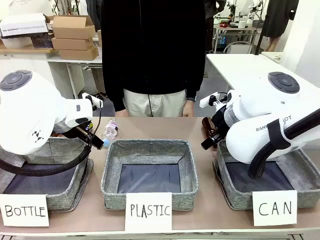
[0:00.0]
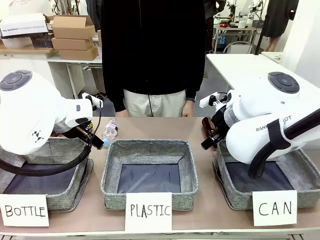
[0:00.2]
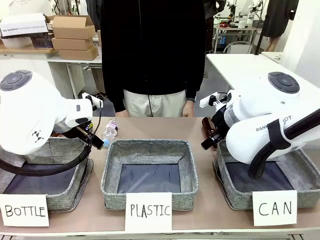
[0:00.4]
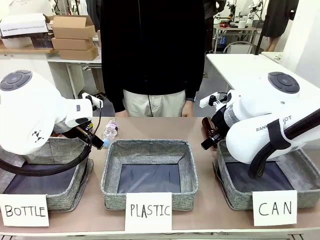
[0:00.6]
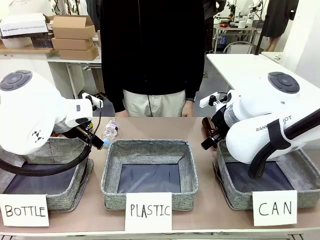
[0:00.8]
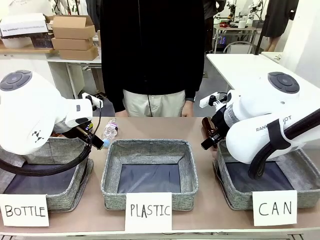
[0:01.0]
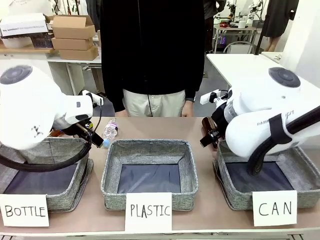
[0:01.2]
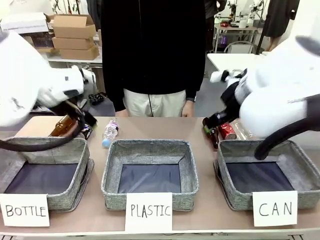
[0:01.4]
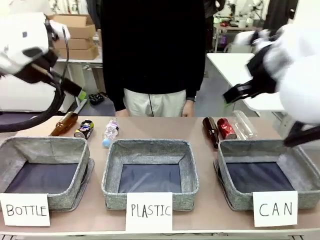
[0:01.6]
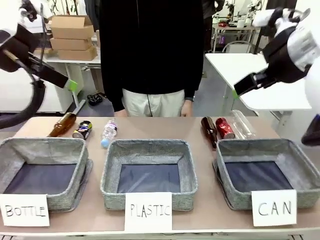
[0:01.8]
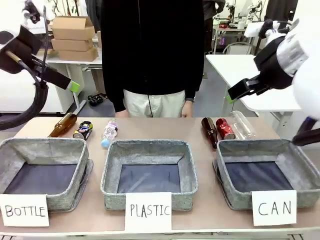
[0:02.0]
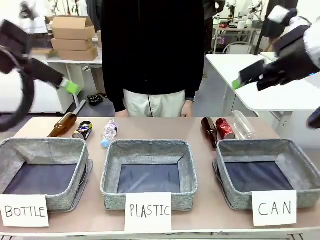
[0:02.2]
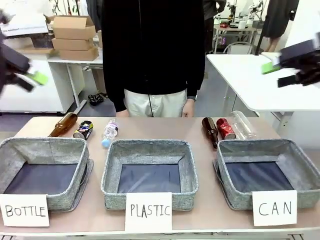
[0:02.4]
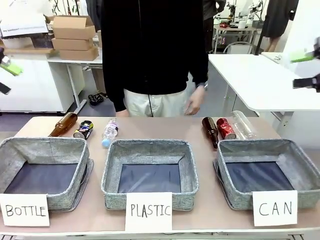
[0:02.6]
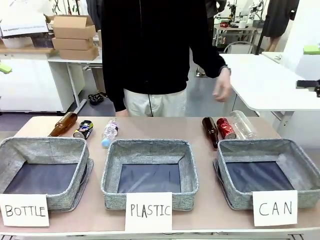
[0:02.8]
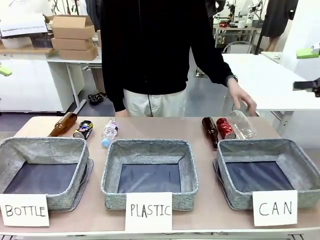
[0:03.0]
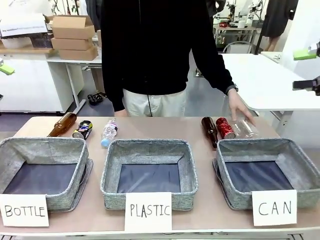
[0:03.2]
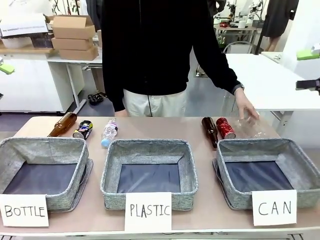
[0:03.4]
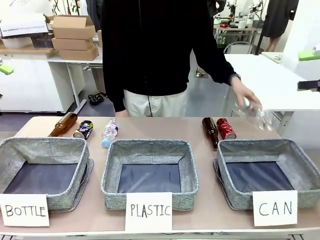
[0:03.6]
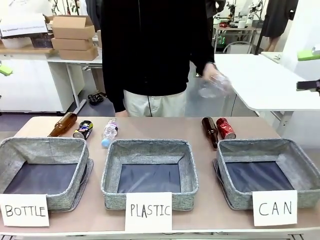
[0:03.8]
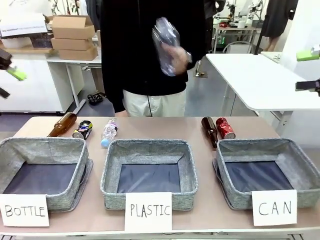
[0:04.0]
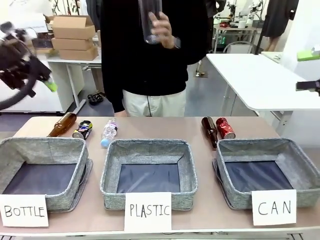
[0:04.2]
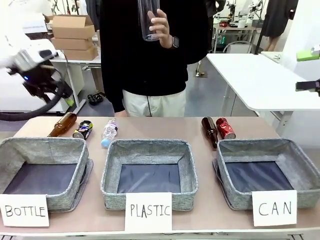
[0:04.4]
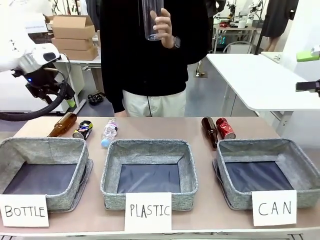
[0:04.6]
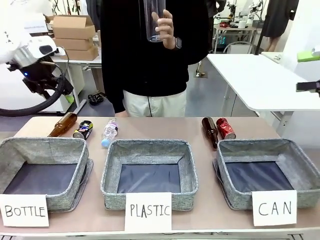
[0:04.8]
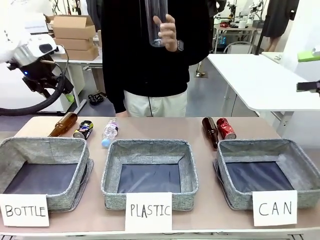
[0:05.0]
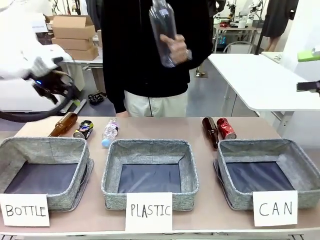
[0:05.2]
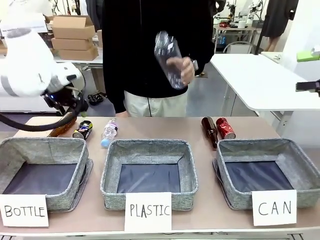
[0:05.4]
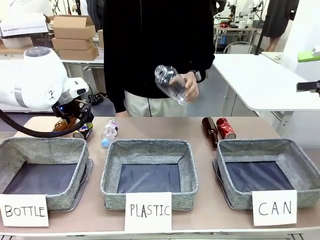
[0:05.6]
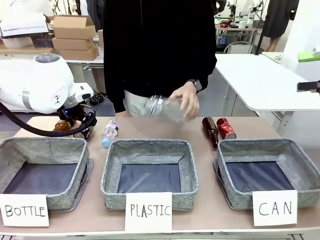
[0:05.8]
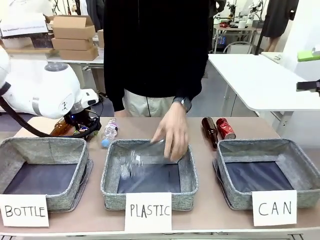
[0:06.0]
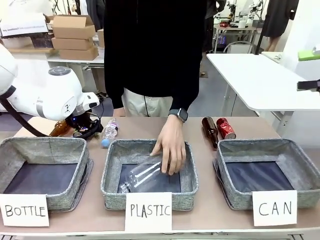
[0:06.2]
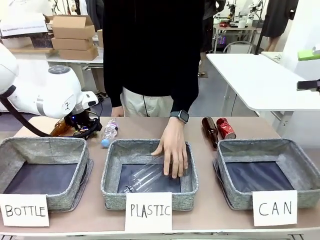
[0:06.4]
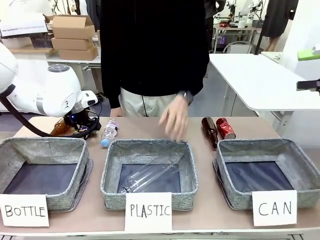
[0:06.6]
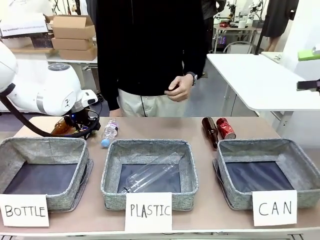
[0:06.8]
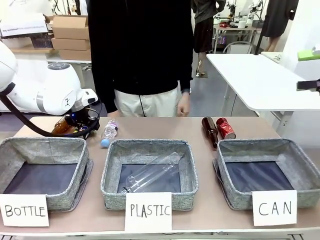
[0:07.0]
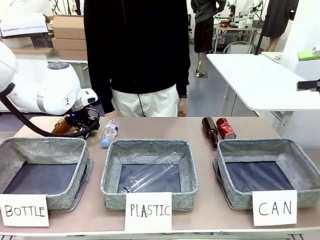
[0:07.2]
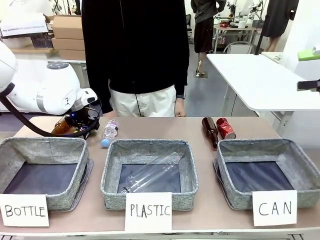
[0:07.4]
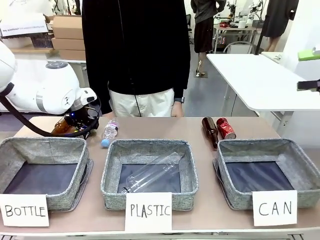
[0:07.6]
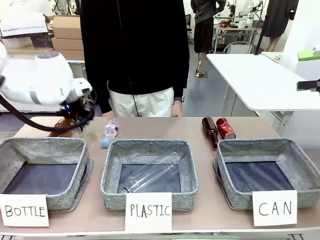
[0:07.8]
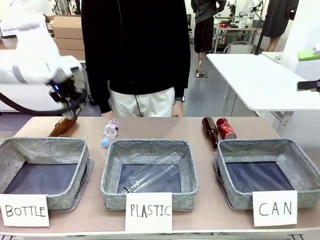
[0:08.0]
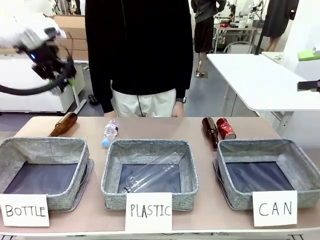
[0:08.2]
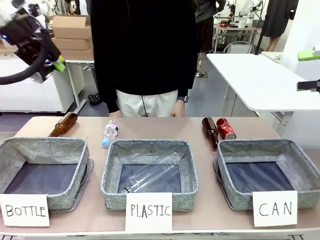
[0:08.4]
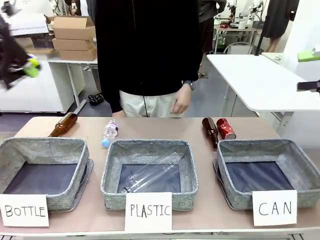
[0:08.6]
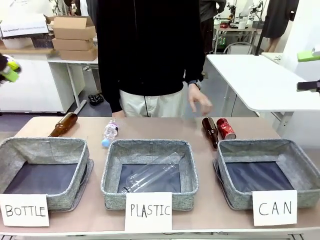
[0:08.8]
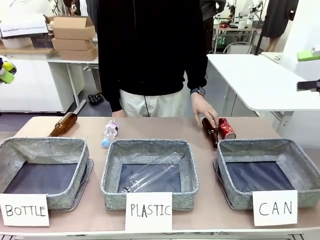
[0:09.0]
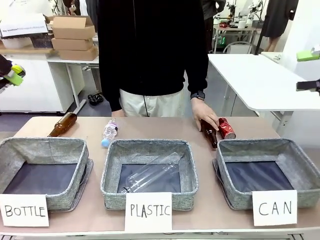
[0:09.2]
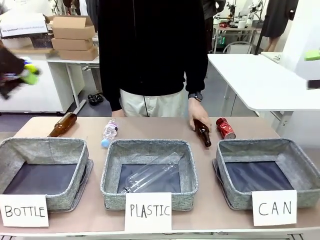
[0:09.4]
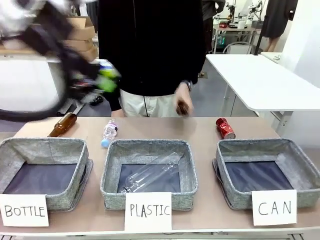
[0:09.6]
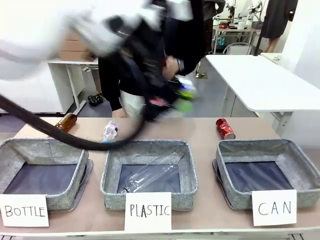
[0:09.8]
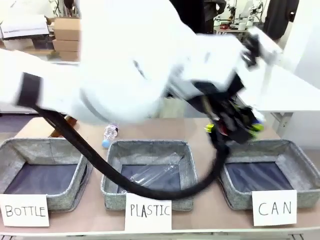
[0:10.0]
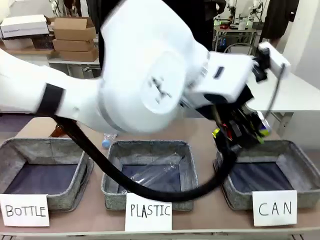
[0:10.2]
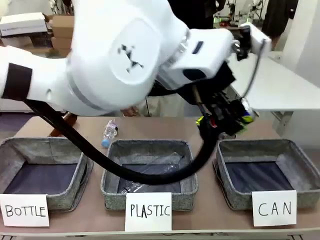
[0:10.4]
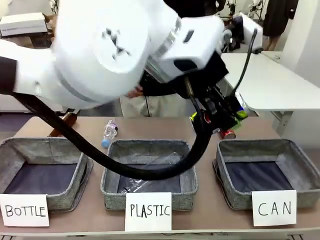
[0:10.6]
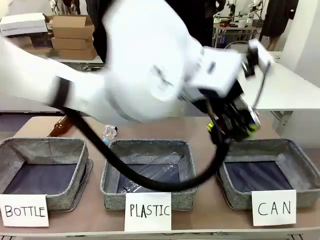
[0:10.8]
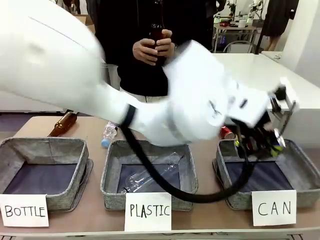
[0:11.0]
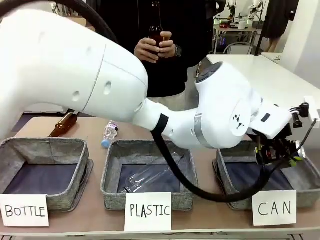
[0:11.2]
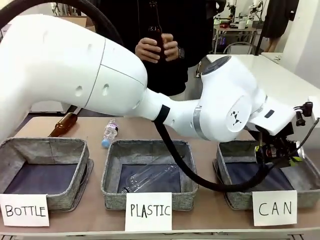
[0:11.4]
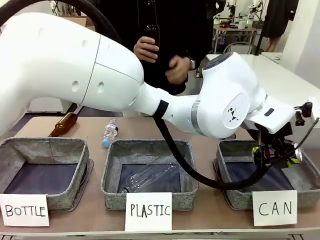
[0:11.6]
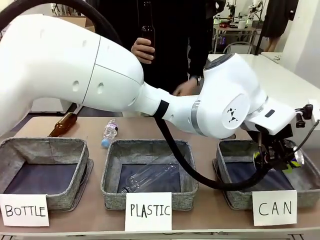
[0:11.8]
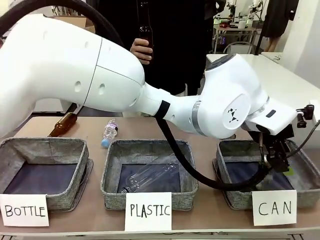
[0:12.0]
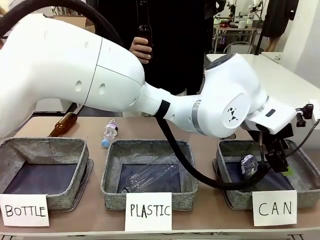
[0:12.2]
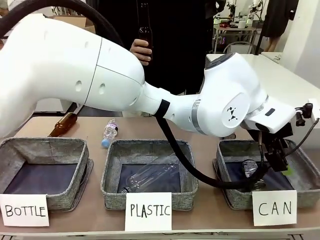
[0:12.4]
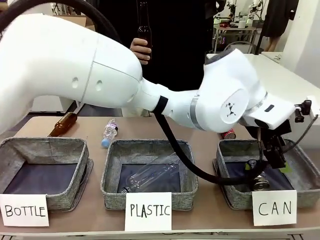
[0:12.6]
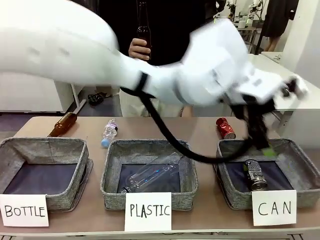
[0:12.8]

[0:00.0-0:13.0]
Task: Sort the can waste into the basket.
Robot: Pick up the can waste from the table and place it in the right Fabric basket.
